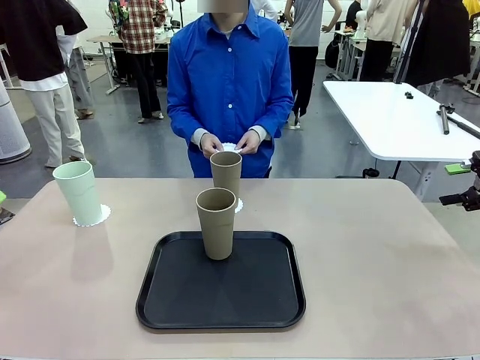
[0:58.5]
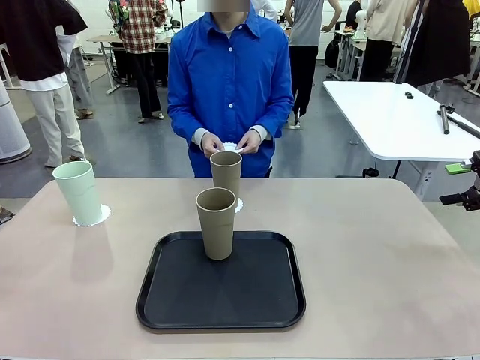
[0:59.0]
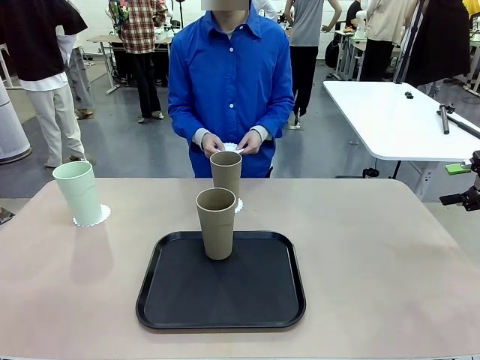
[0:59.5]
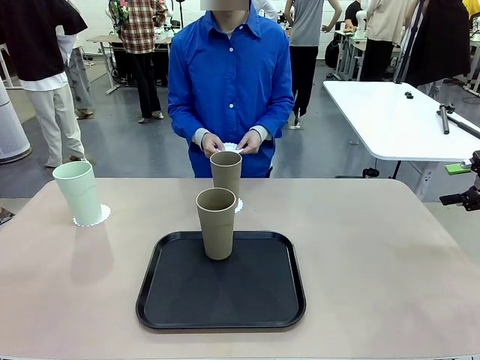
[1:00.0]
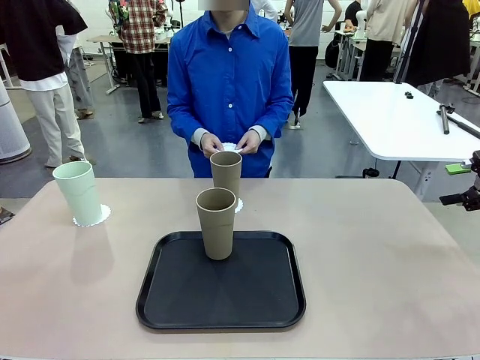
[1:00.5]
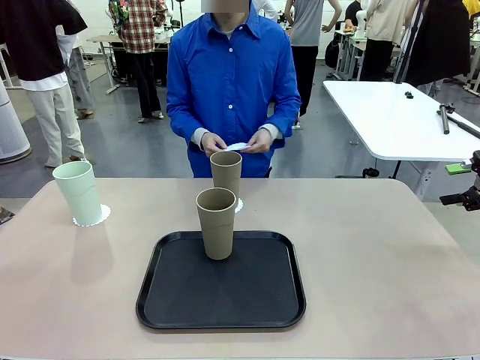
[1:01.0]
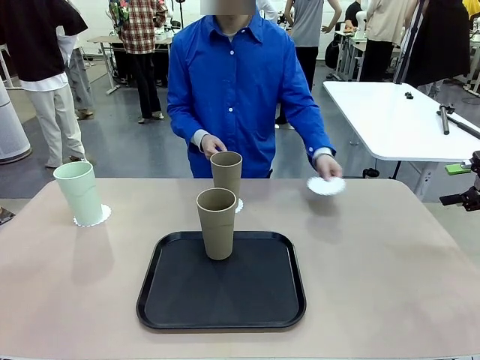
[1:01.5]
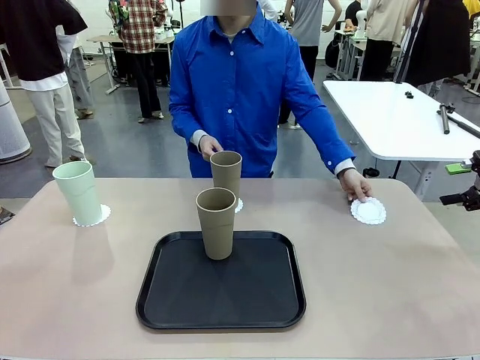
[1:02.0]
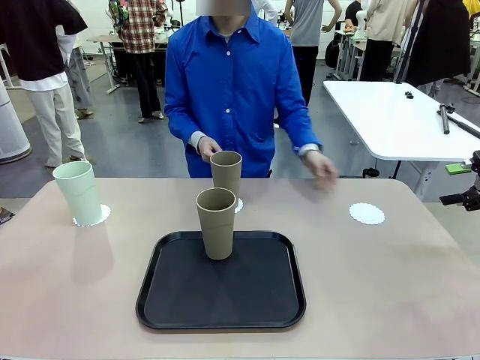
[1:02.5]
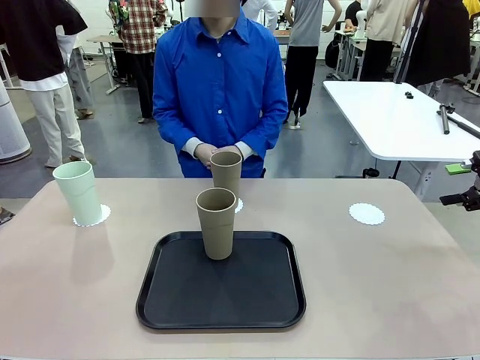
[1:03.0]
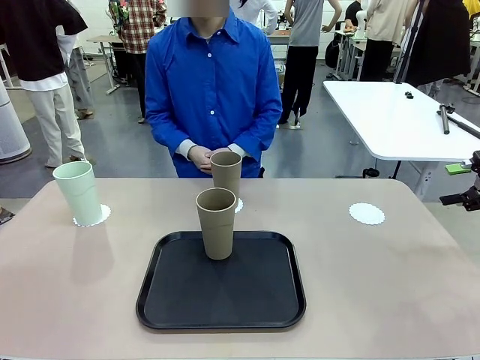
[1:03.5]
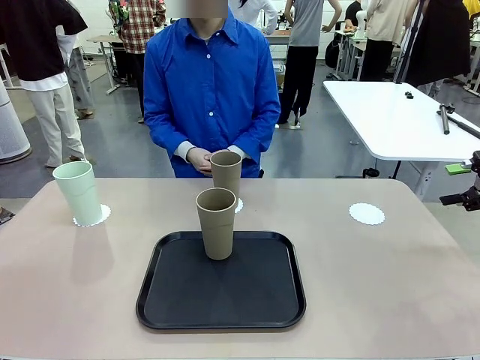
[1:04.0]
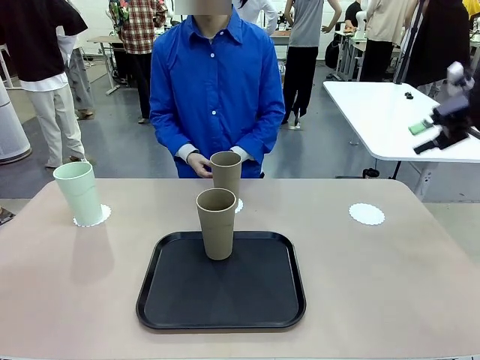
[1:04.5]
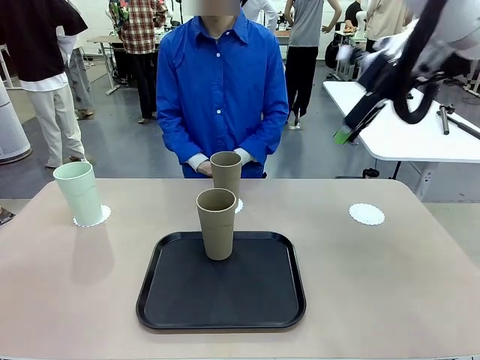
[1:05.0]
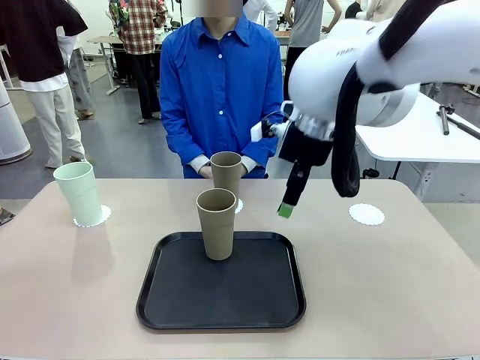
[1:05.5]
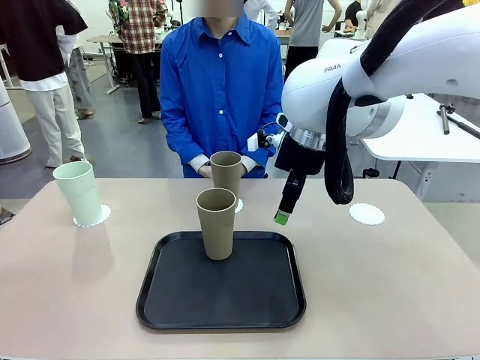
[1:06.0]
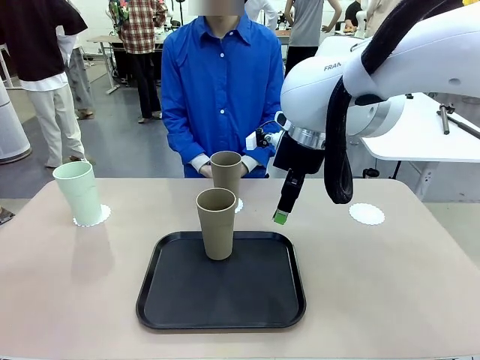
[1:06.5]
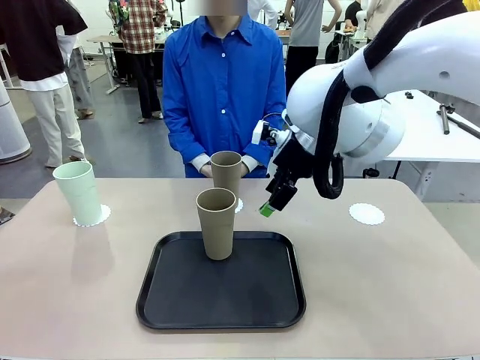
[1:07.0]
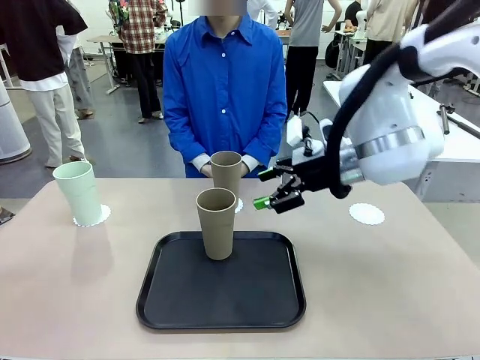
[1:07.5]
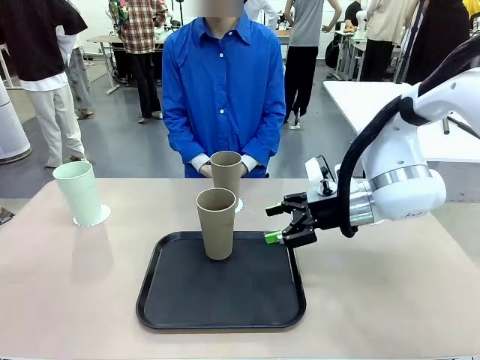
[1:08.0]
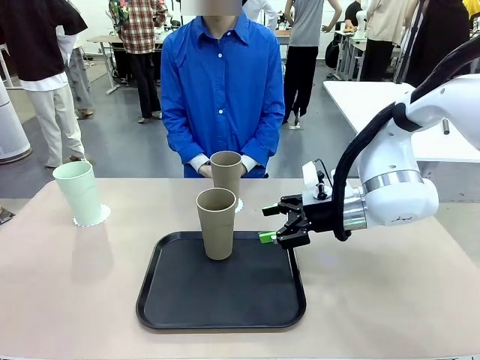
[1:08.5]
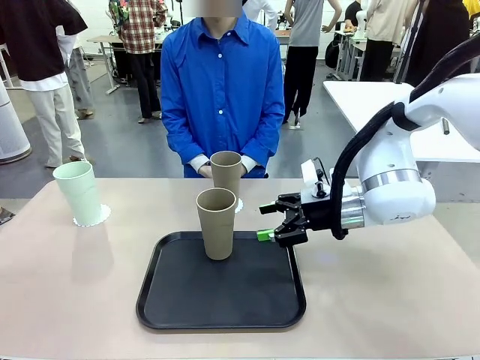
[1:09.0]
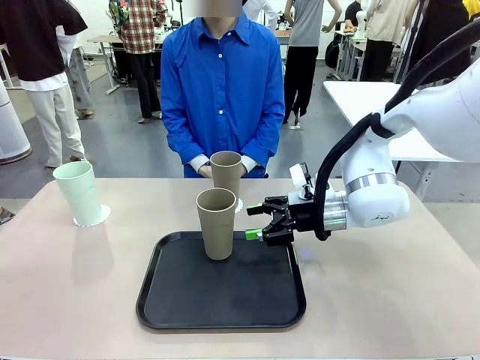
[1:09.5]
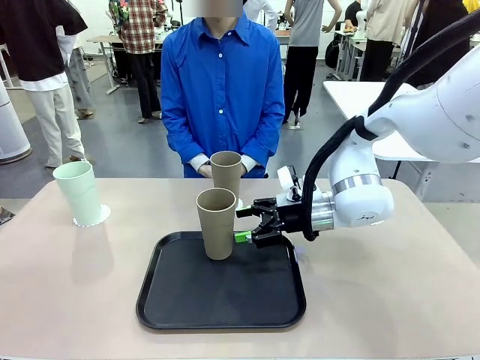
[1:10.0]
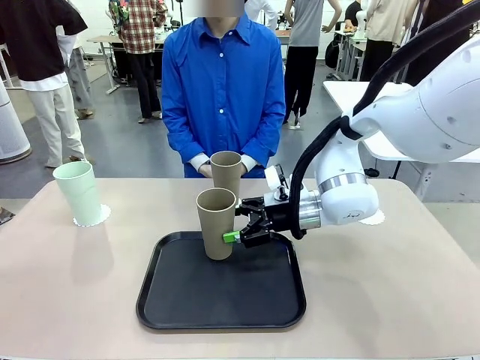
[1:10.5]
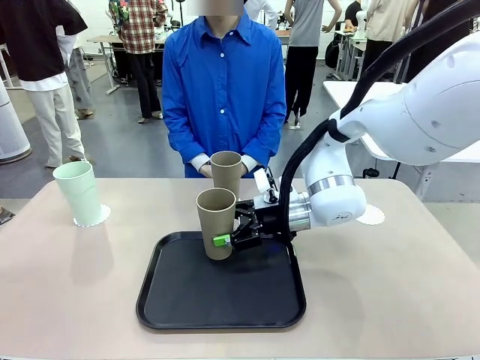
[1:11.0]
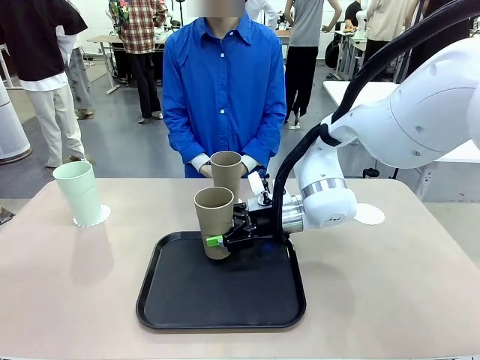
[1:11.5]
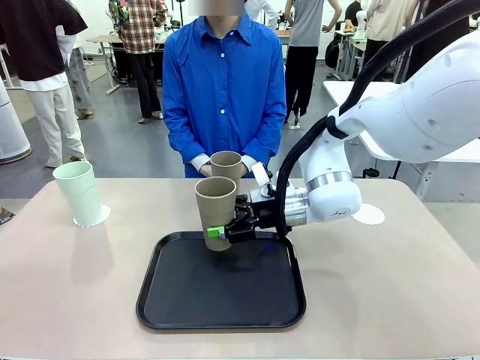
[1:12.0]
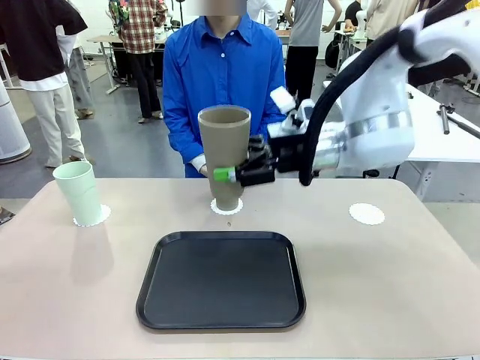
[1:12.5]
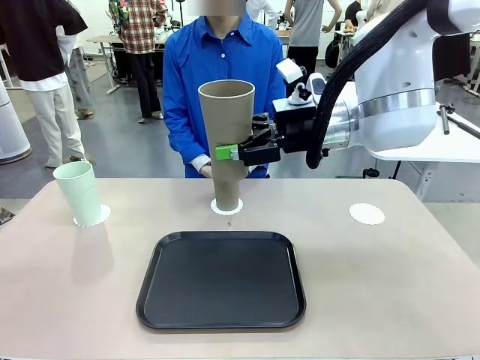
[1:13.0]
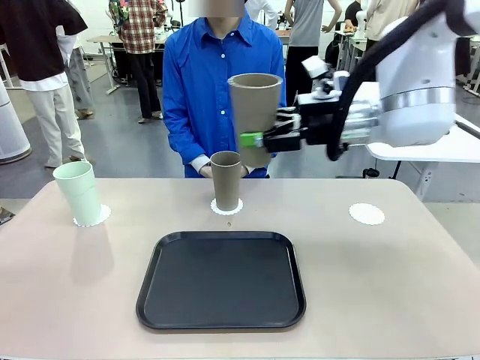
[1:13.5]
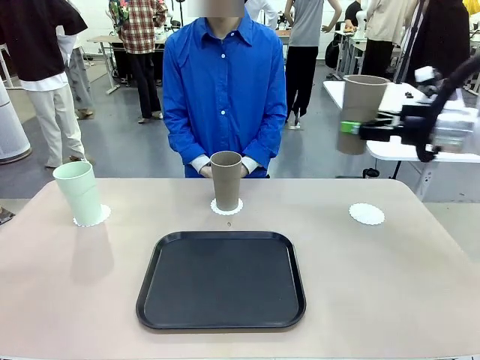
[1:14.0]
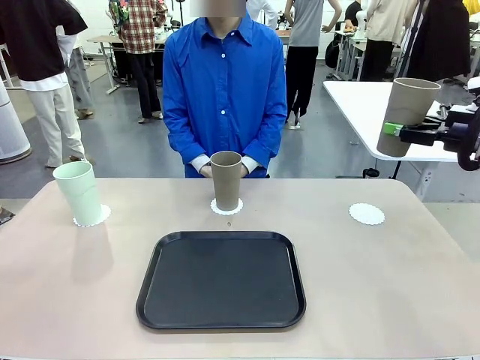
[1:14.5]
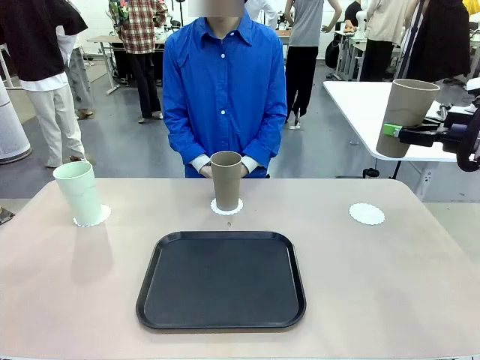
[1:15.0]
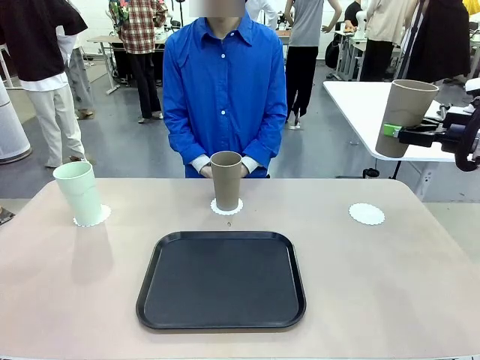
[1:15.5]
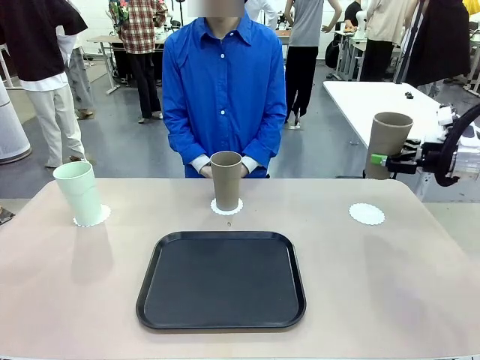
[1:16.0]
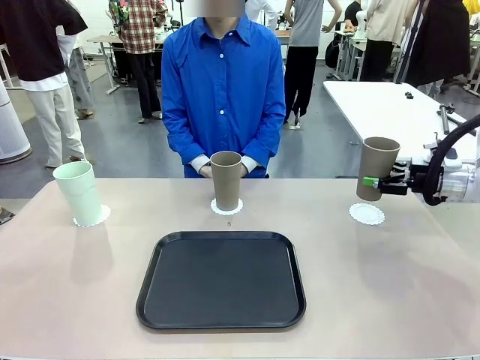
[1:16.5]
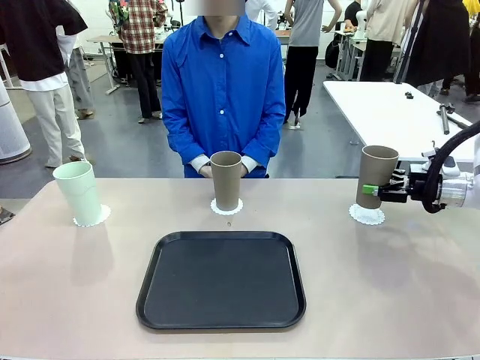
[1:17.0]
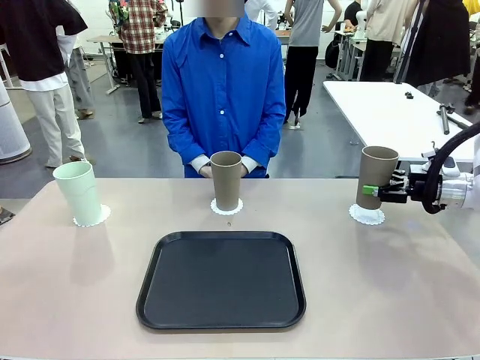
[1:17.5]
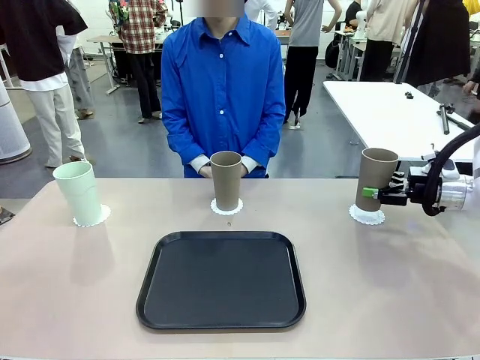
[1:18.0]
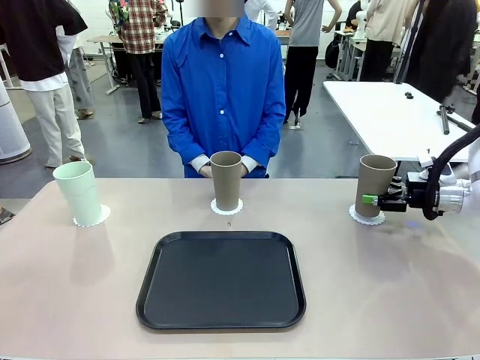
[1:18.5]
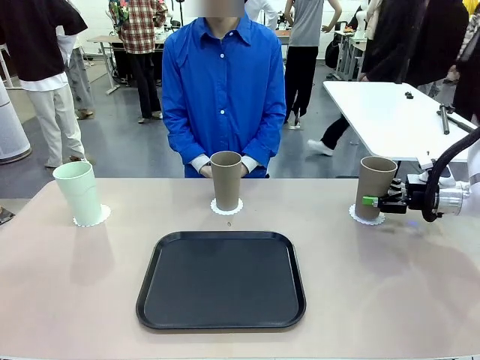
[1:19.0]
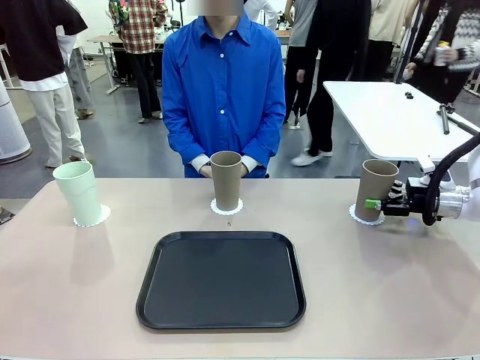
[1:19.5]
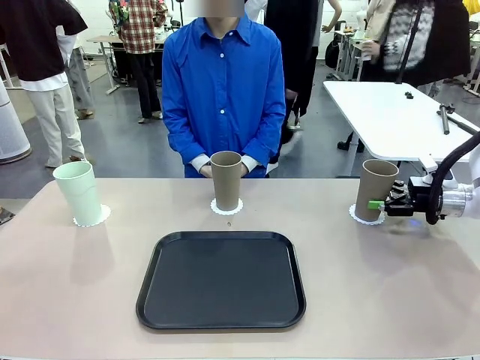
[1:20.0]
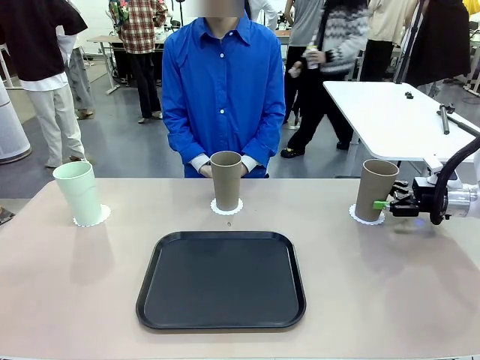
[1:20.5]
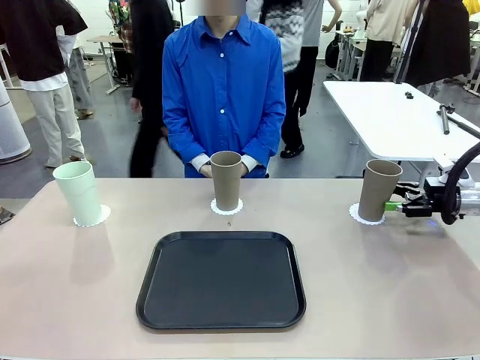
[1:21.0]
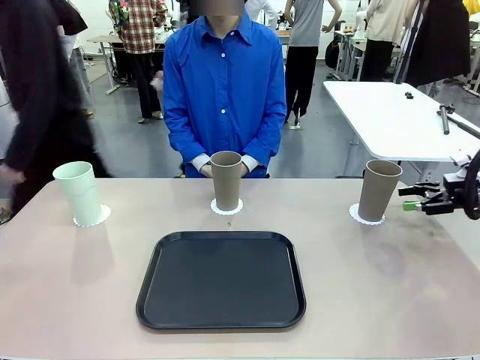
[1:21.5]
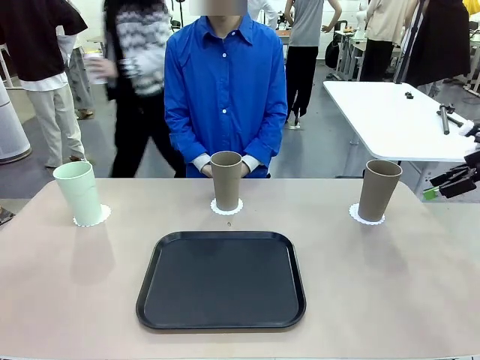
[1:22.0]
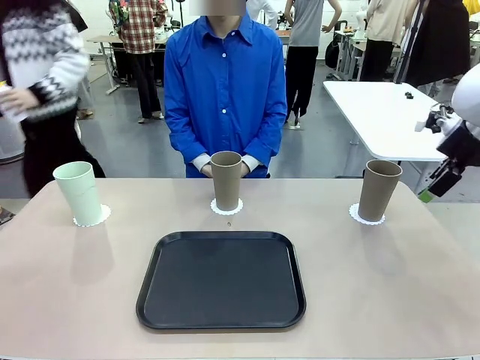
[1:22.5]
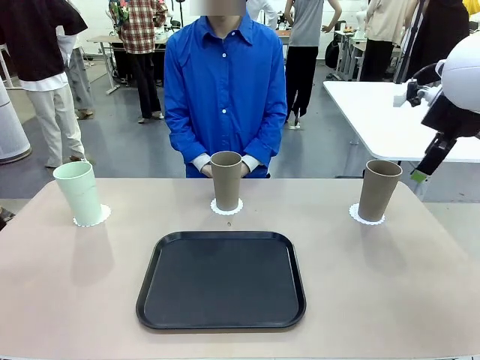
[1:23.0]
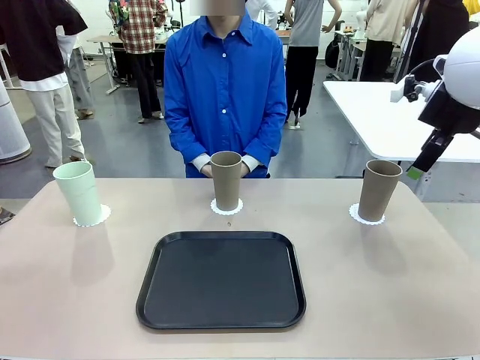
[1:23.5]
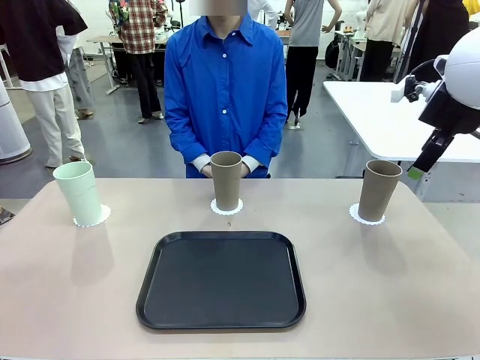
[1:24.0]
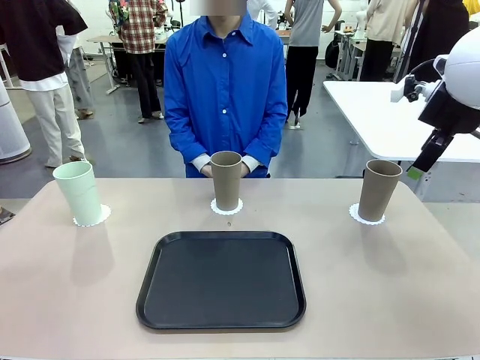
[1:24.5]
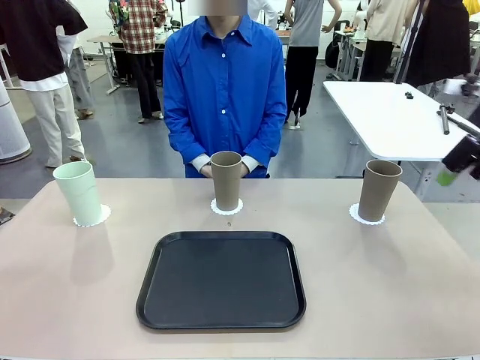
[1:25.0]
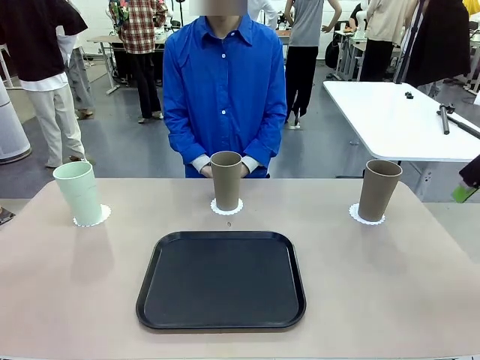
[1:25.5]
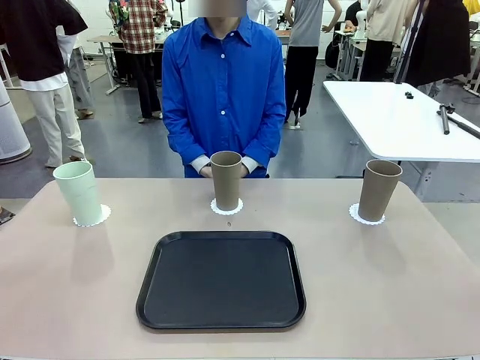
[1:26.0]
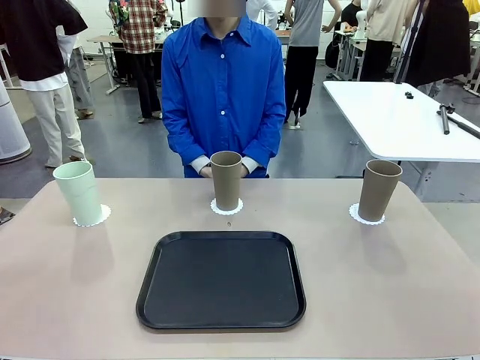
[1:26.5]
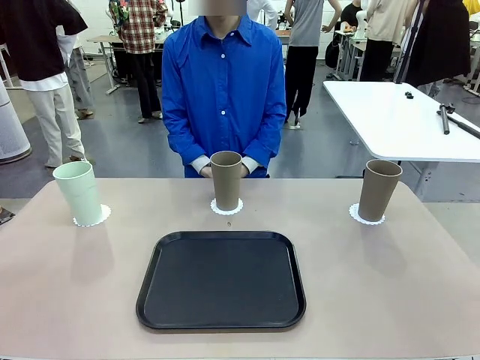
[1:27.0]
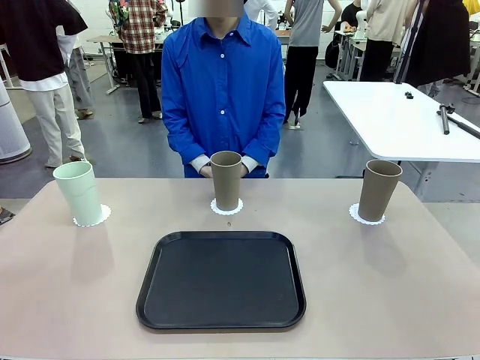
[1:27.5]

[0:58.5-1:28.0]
Task: Place coasters on the table and set cups on them.
Robot: Take one Reusable plastic cup from the Flat Tray and place it on a coaster set by the human.
Person: Place one coaster in the only remaining area.
